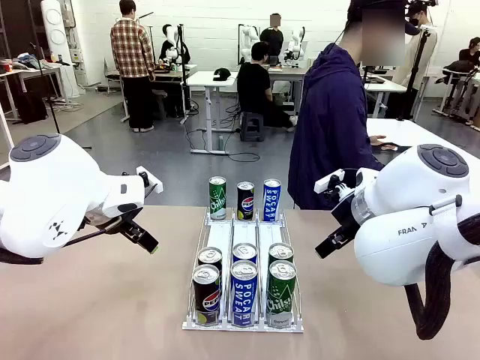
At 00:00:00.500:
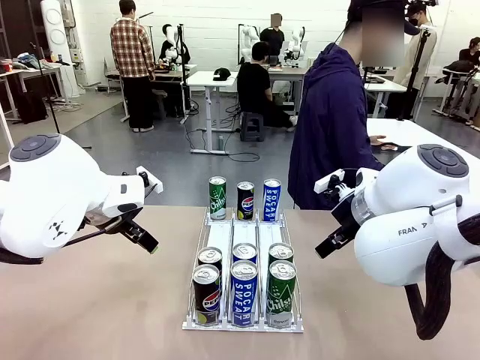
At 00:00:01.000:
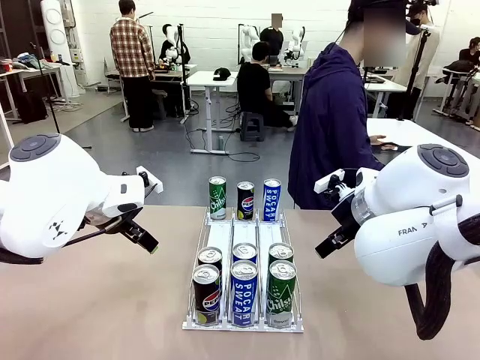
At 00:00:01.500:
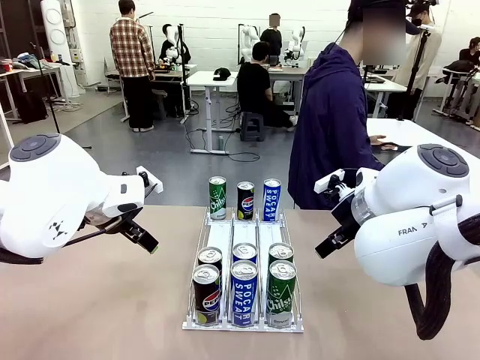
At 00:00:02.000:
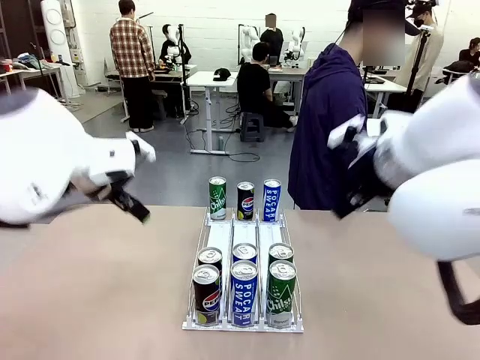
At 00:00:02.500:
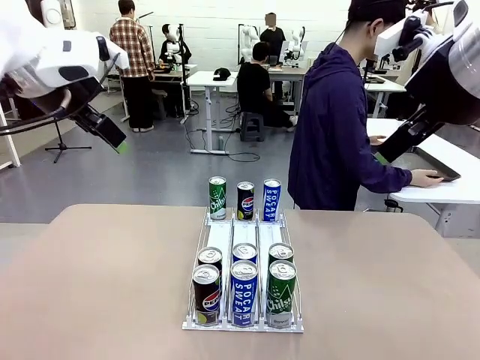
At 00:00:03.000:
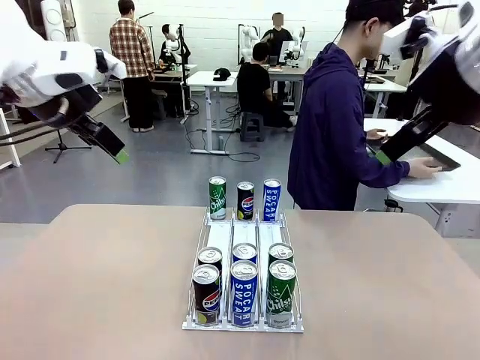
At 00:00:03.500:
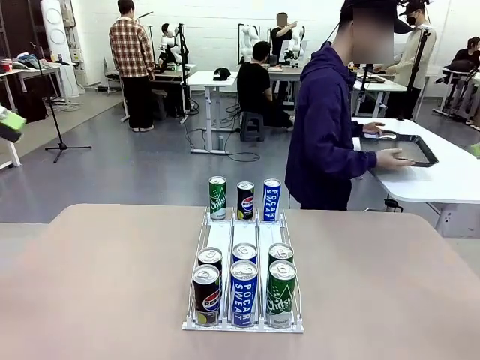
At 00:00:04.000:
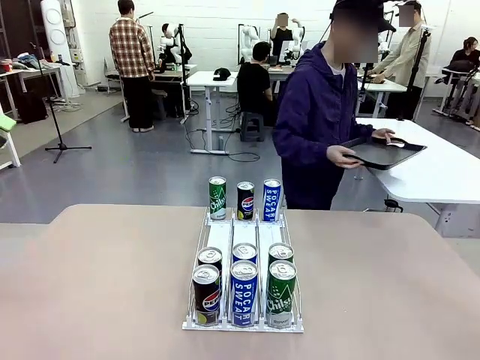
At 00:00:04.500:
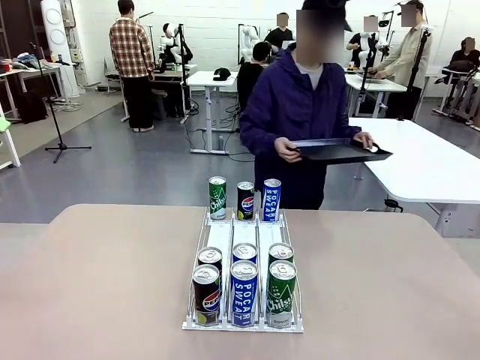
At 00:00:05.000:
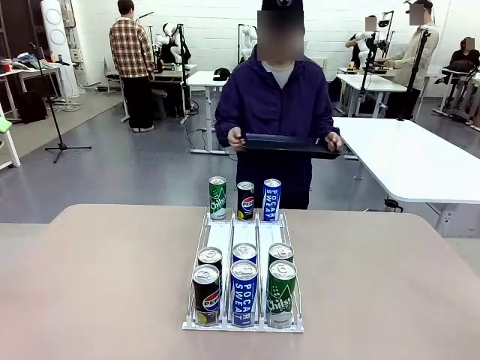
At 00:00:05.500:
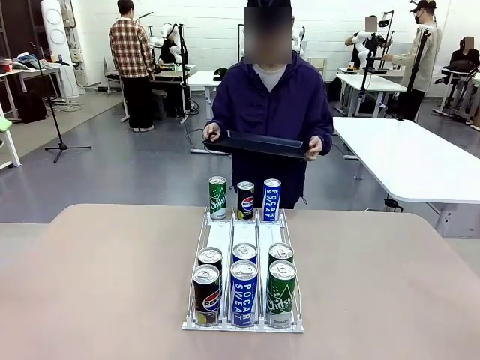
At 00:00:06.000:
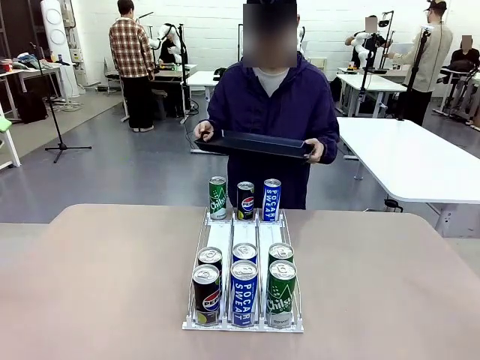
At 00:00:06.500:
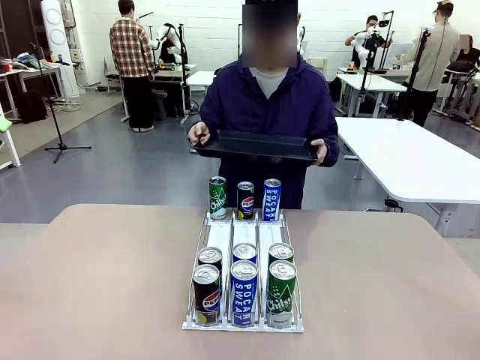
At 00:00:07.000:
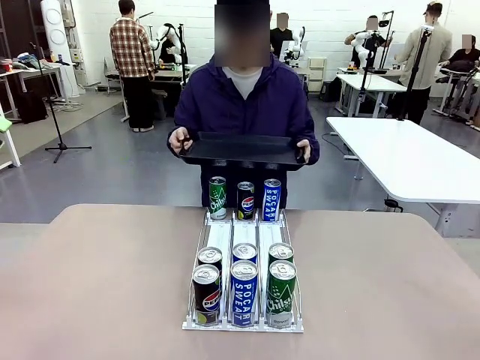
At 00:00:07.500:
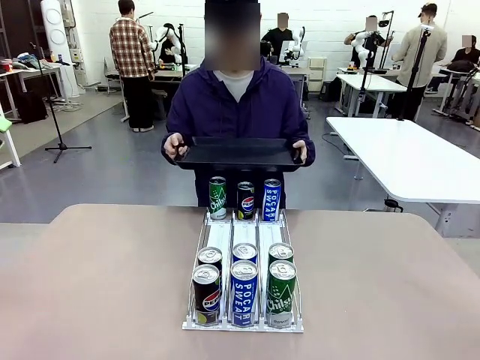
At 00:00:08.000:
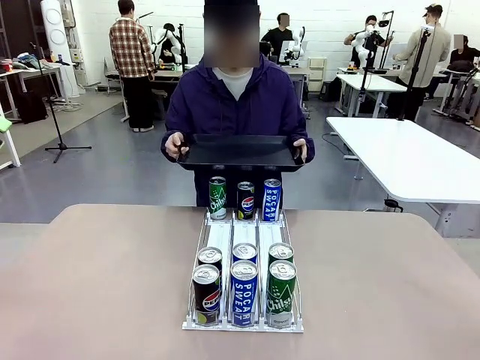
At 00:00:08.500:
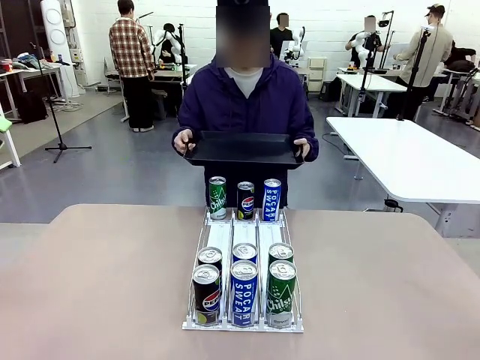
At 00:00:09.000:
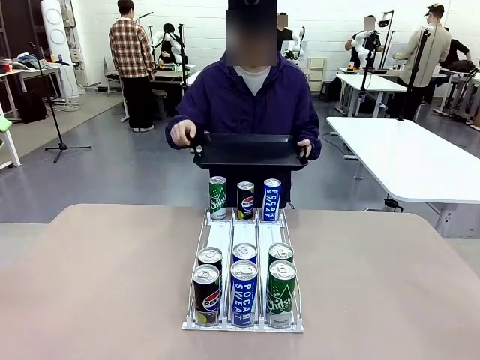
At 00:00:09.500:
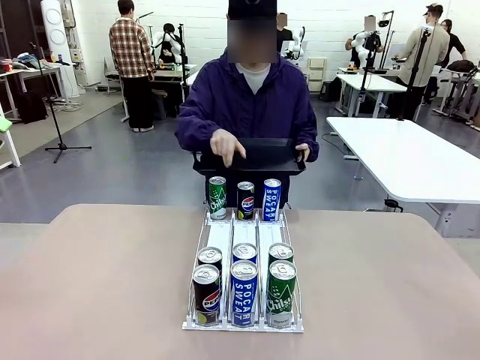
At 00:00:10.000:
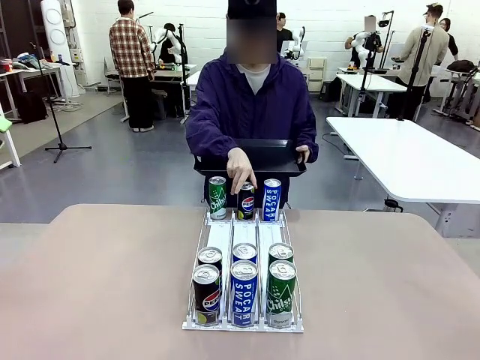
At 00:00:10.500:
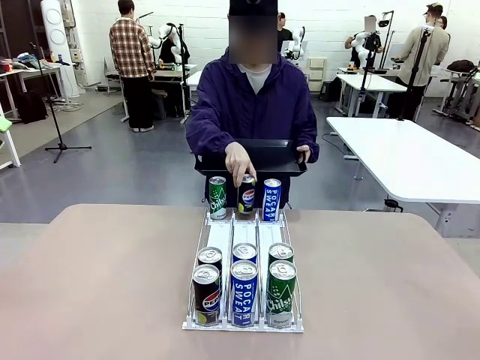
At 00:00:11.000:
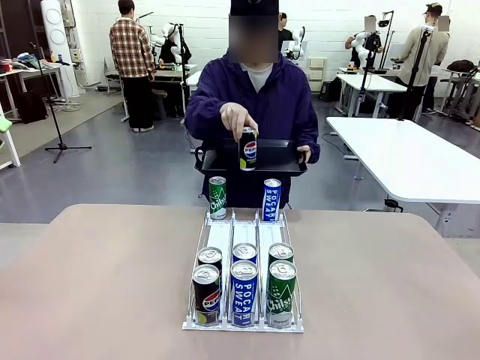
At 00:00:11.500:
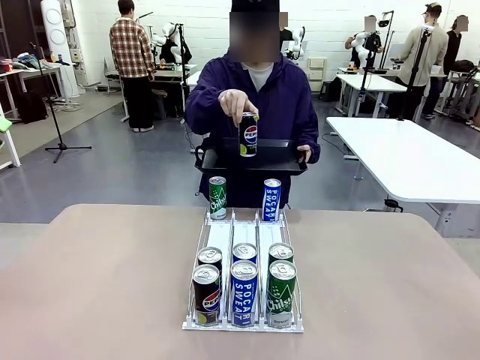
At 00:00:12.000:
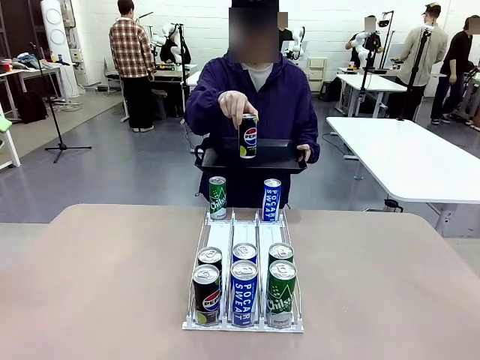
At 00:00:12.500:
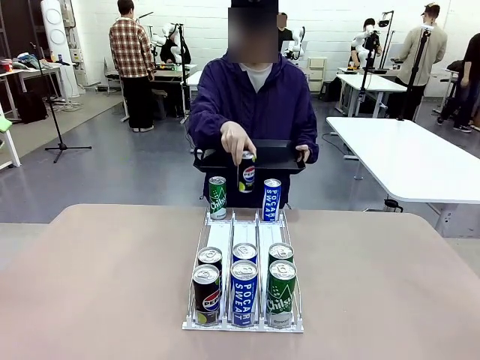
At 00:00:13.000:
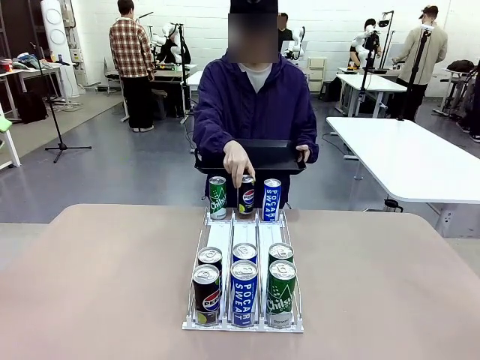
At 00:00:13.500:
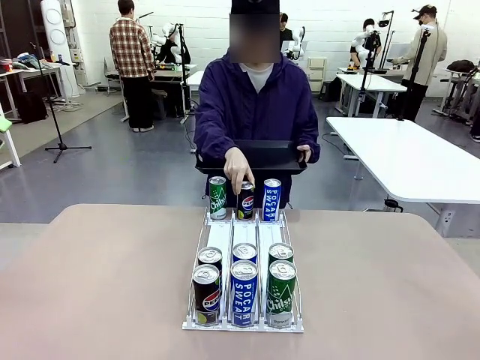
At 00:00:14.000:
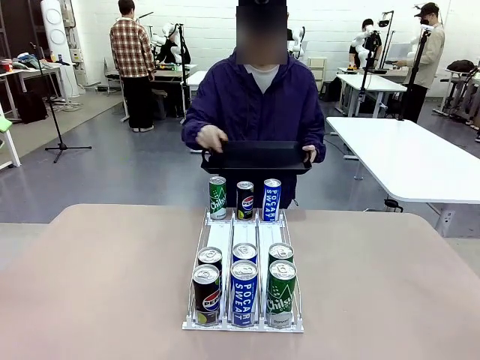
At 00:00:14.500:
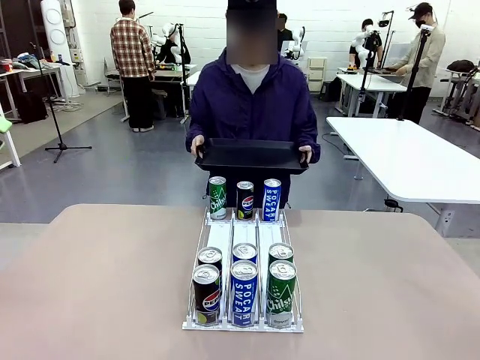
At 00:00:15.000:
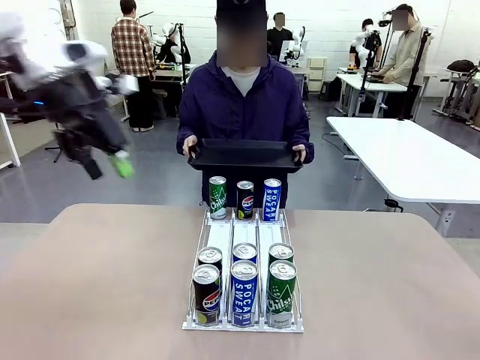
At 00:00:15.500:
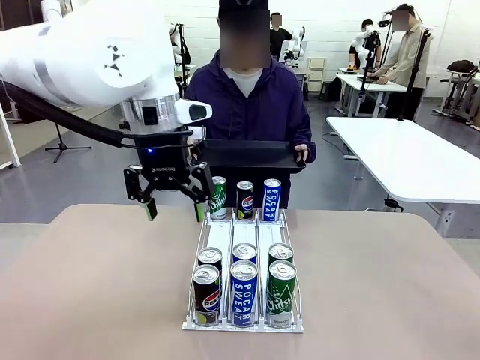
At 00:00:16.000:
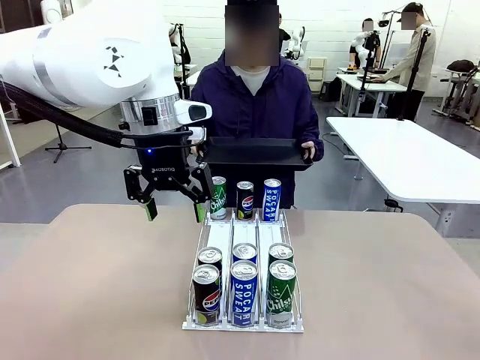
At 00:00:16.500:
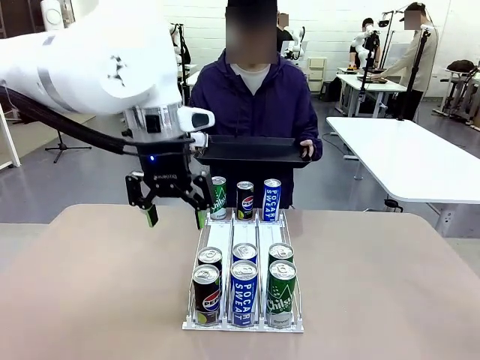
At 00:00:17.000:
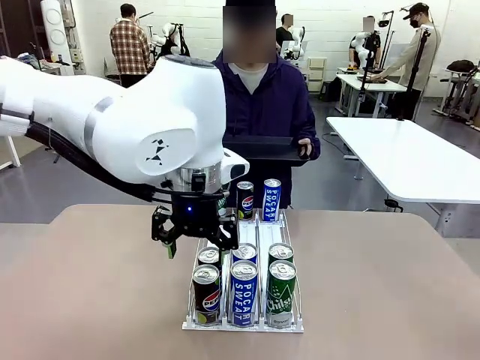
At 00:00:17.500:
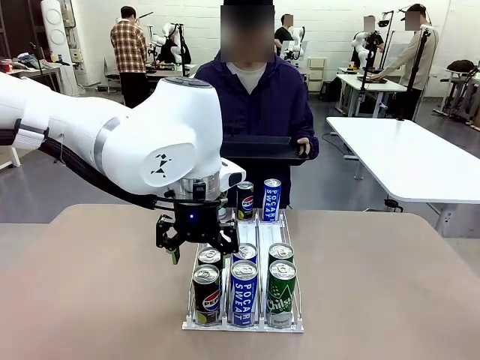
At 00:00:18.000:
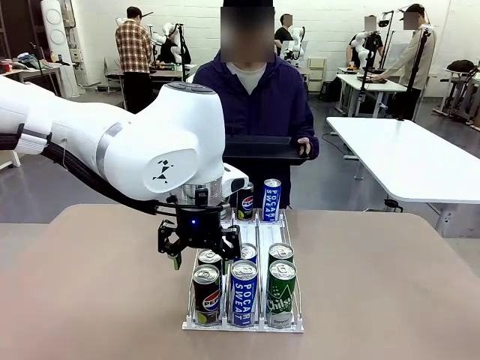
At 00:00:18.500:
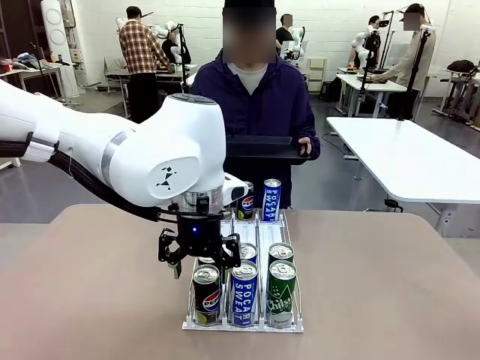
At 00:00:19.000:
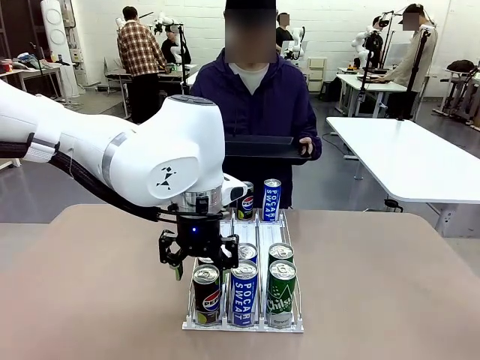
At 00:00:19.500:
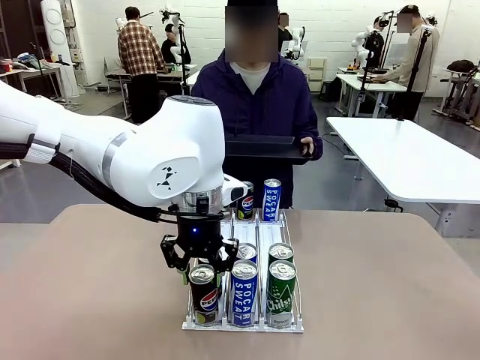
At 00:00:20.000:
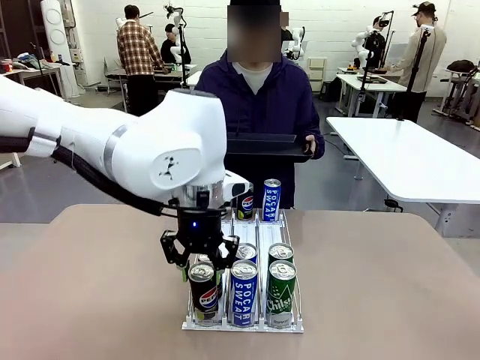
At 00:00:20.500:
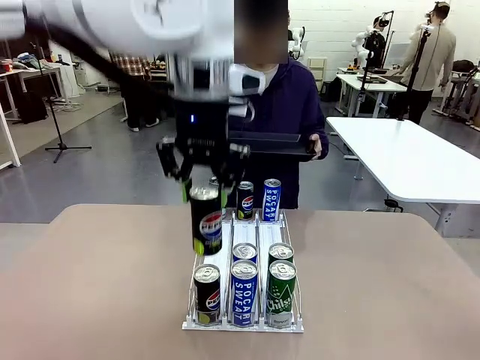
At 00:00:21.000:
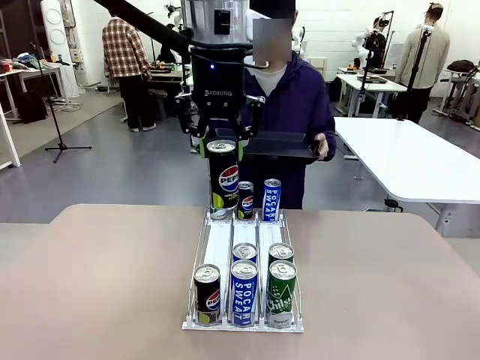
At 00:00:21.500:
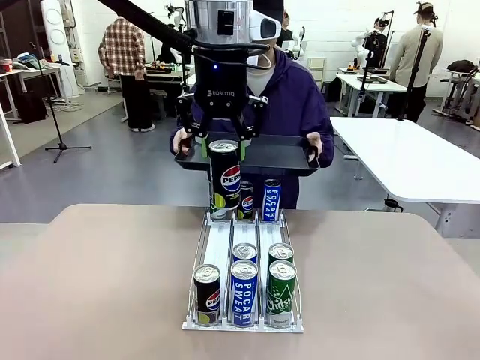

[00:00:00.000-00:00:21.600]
Task: Retrieve and hand over the desired beverage to the person.
Robot: Pick up a can of the same type that the person held from the Automatic Can Dispenser.
Person: Hold the tray and position yourself in front of the robot table. Pick up one can from the bottom area of the table and puts it back in its original place. Push the tray toward the robot.

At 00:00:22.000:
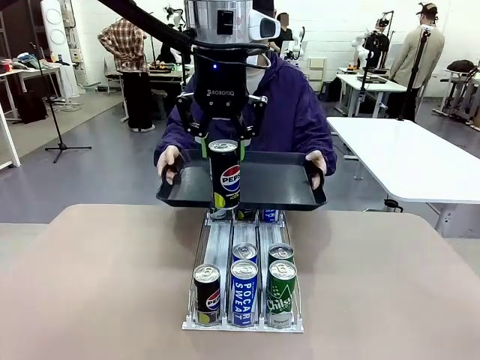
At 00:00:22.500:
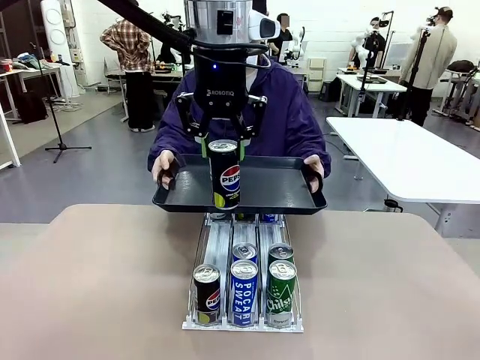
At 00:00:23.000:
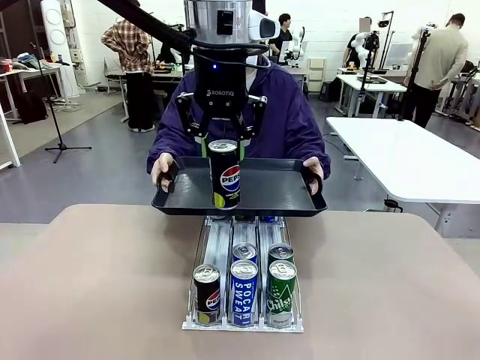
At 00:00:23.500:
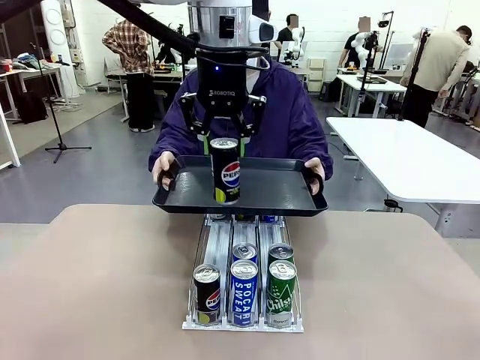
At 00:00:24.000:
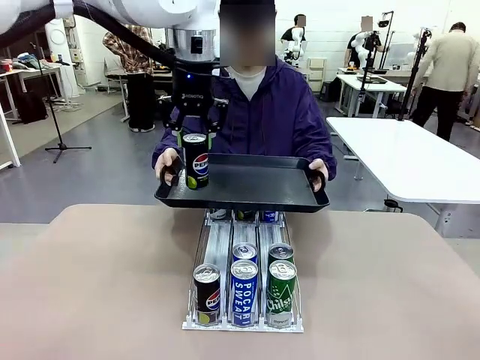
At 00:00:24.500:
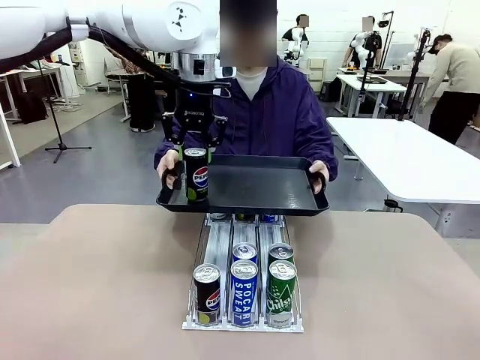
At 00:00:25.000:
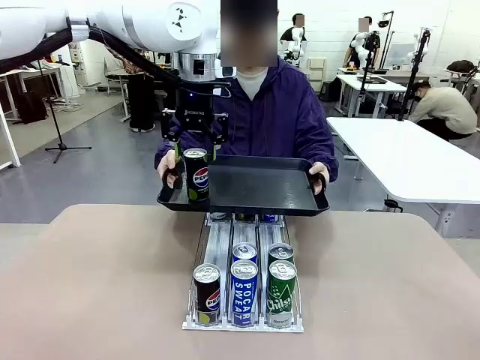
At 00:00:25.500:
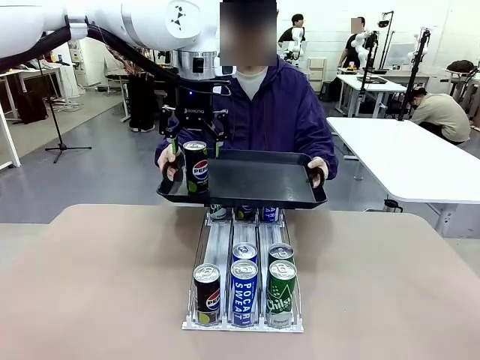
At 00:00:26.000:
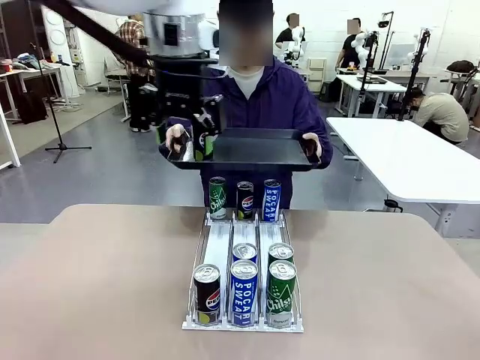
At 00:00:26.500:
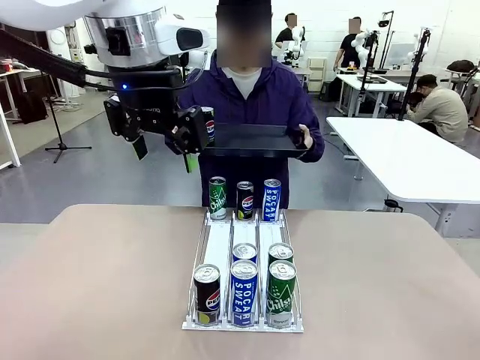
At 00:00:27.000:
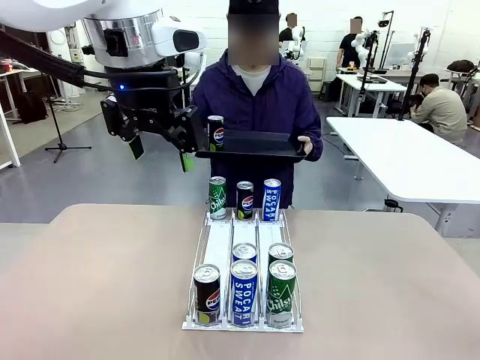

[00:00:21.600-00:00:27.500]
Robot: Place the picked can on the Handle tray extended by the person.
